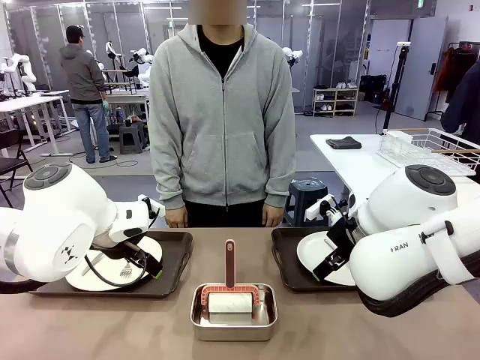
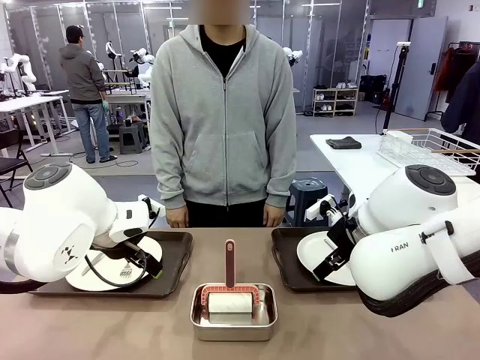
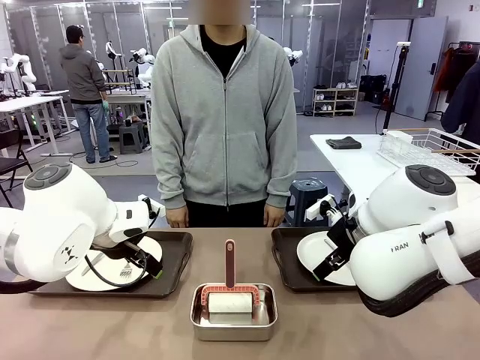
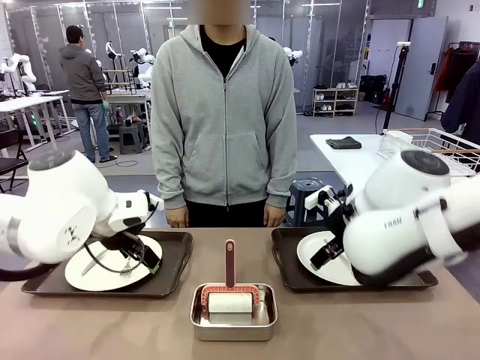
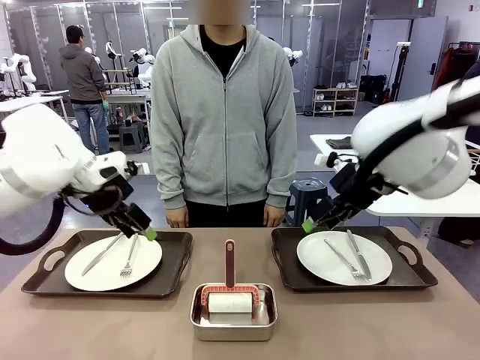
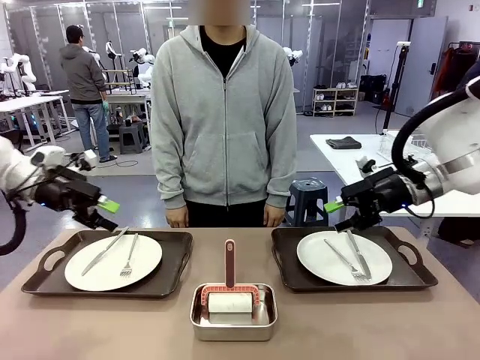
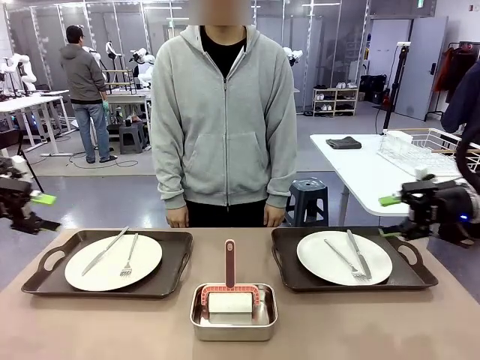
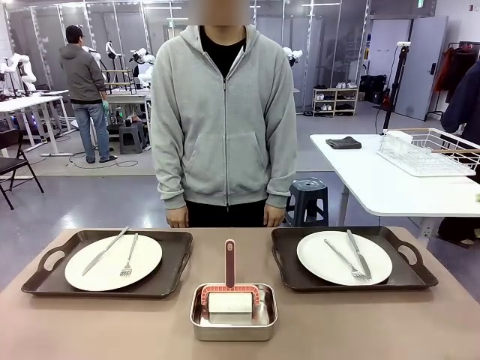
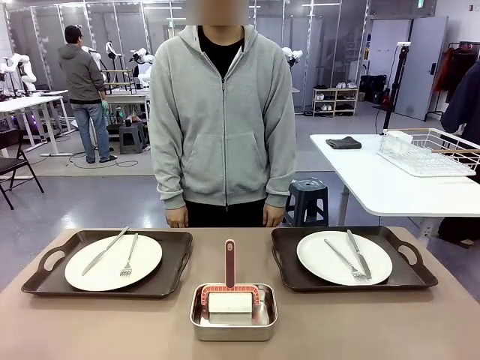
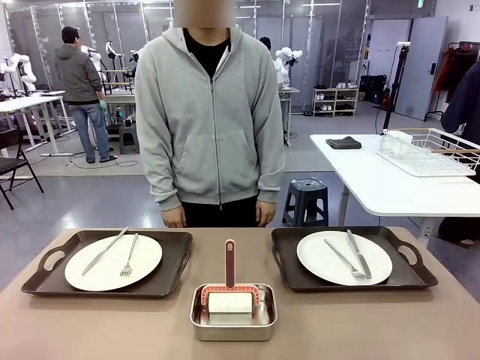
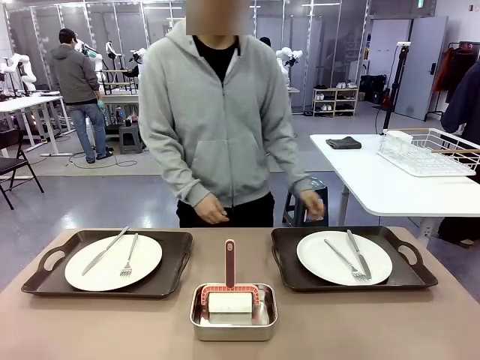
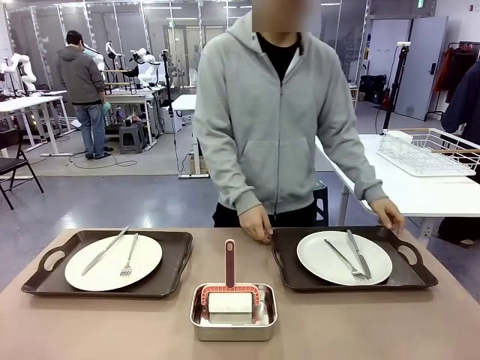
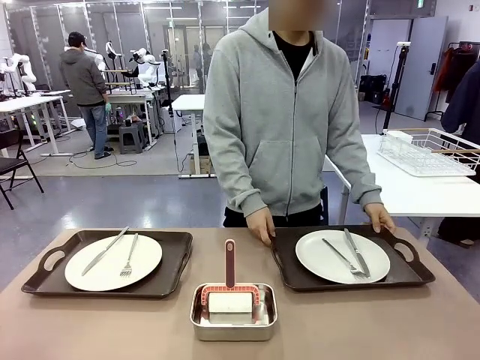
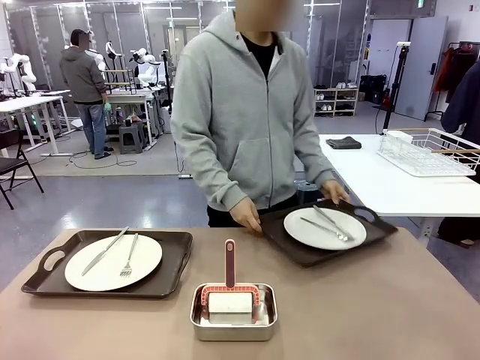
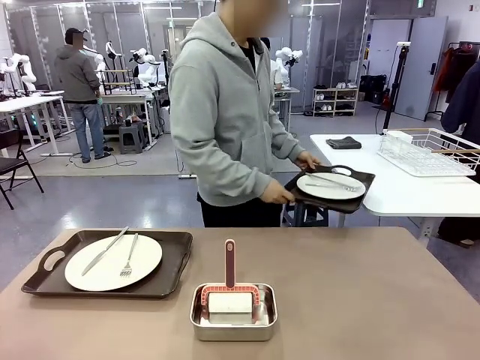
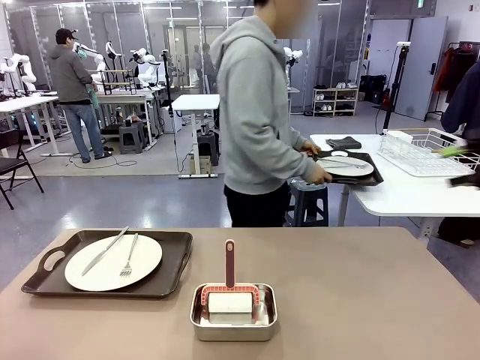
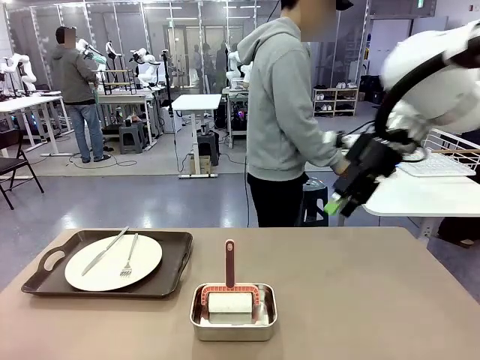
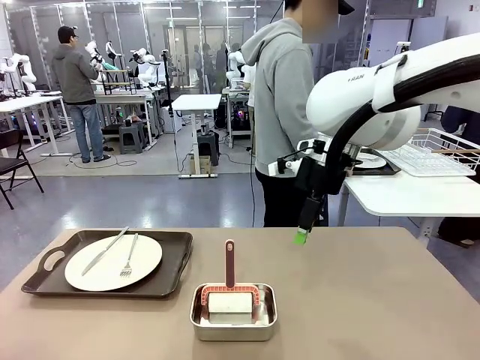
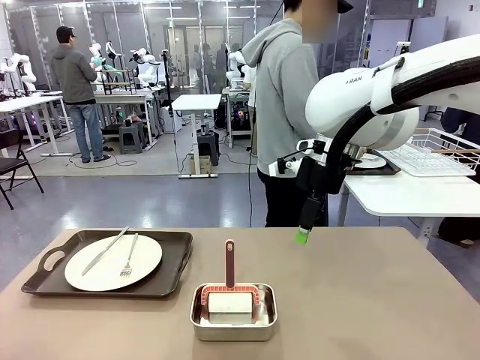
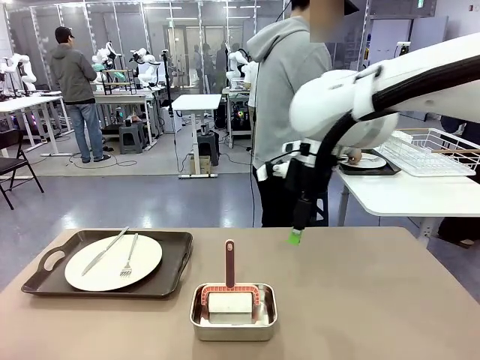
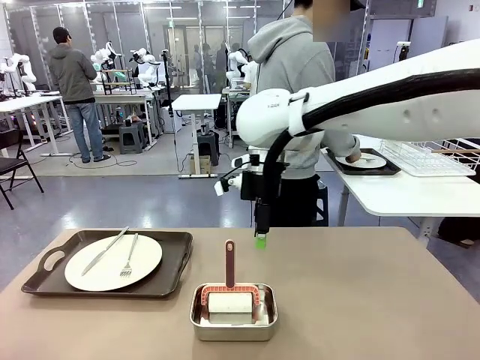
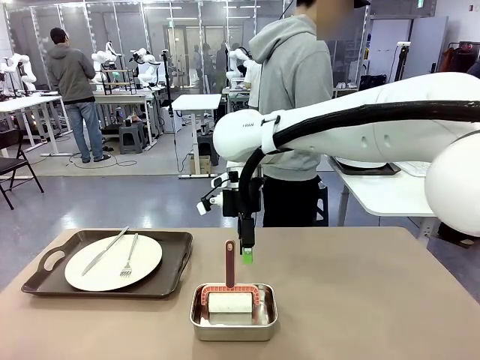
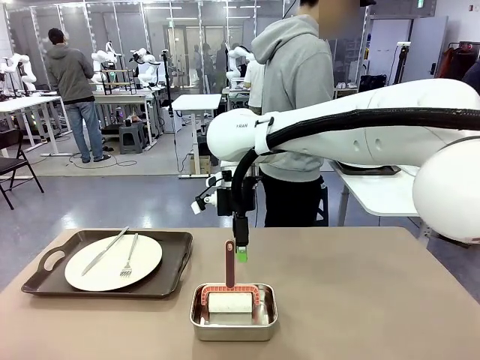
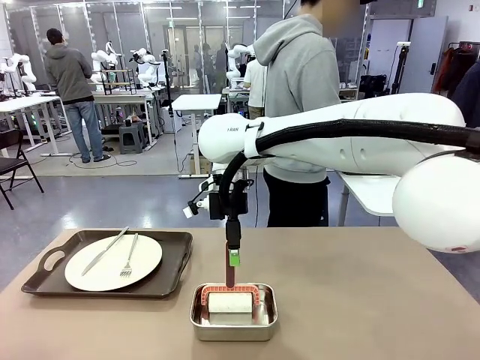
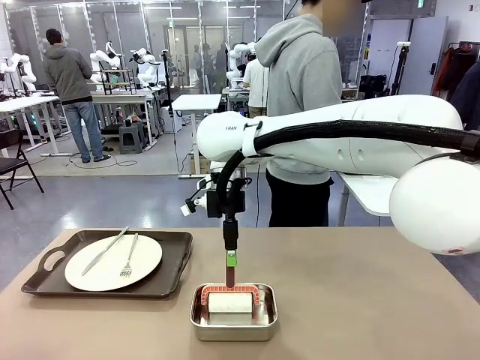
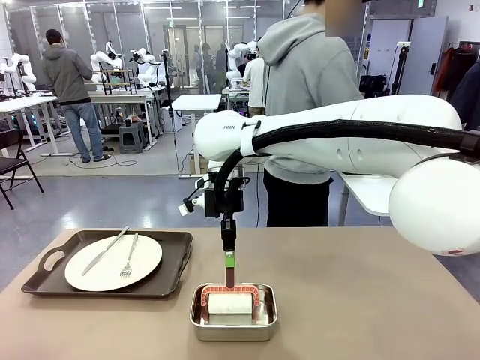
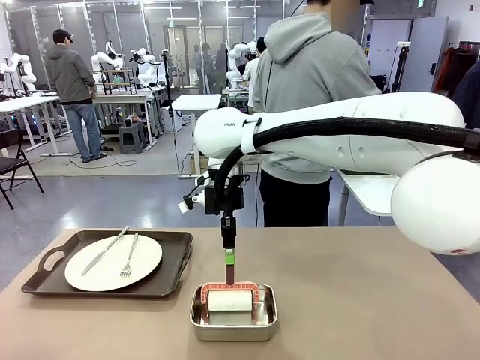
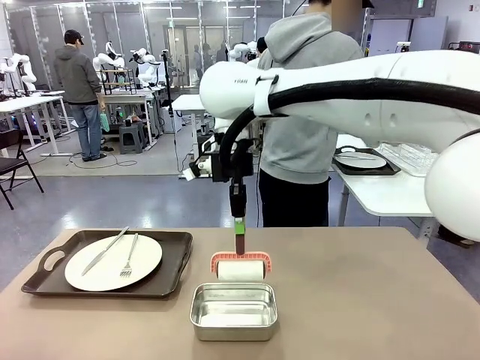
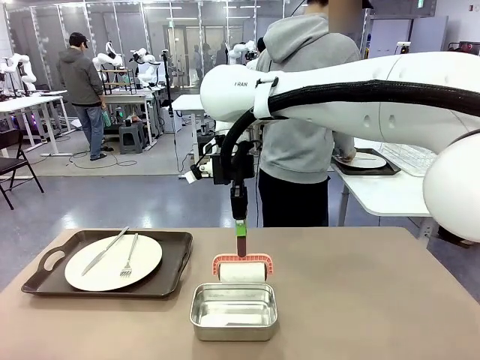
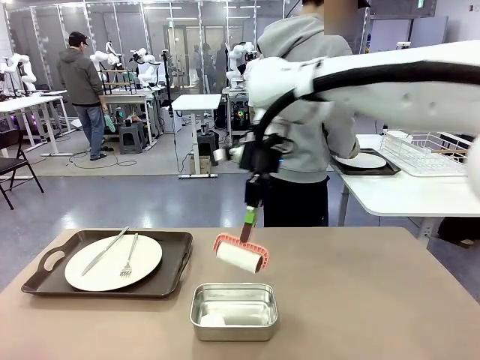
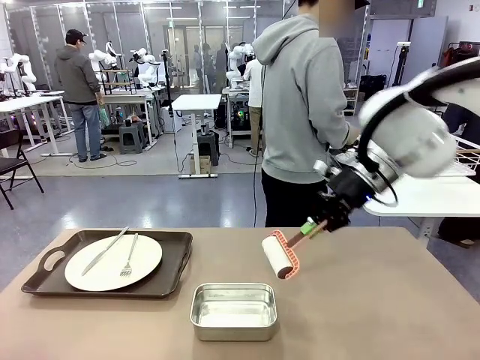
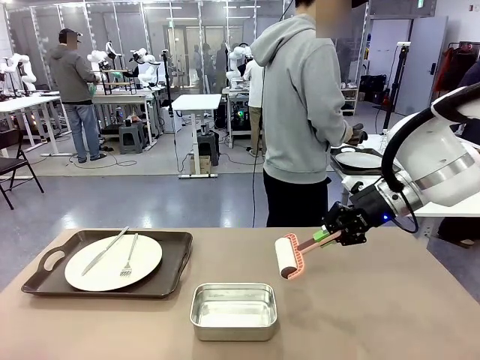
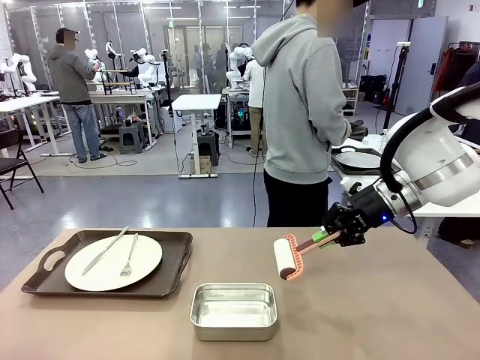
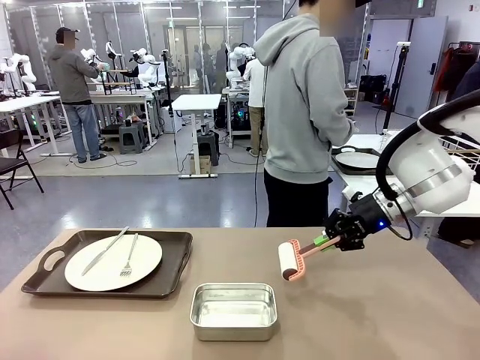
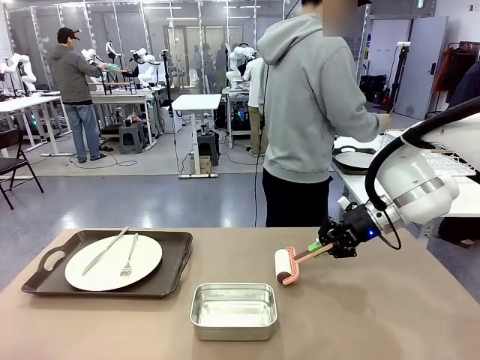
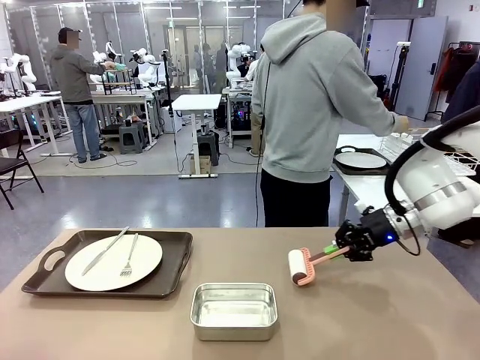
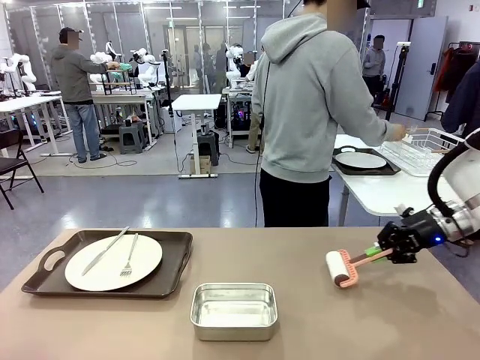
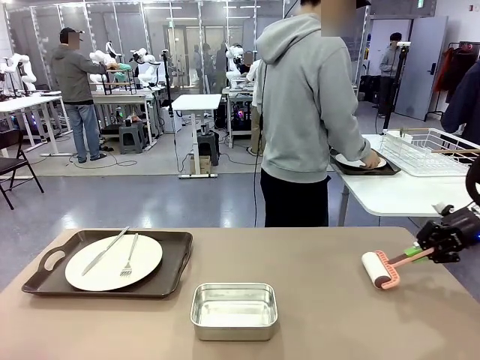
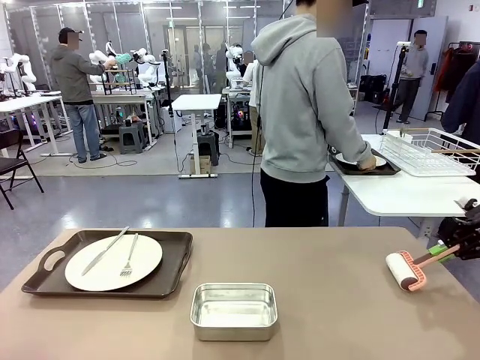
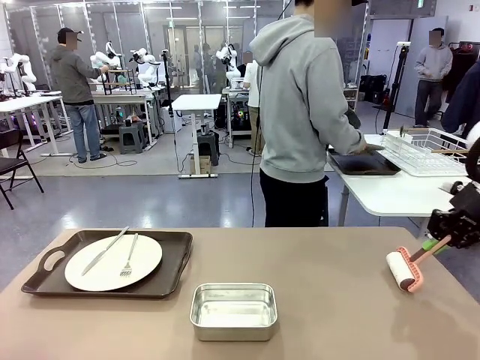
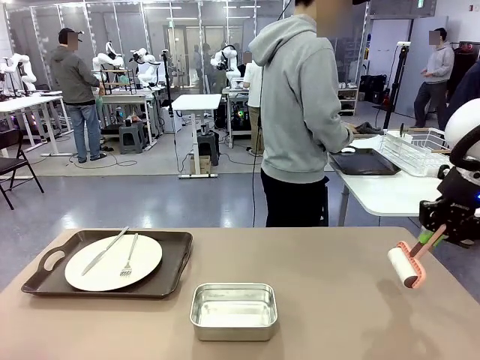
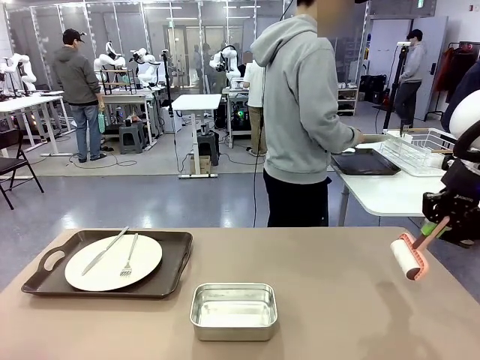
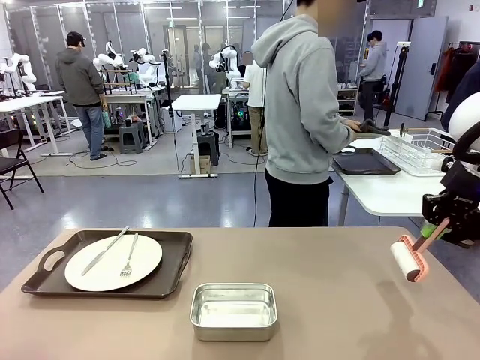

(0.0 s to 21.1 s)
Robot: When the left (or right) Handle tray is removed, use the left hand (or right hand) to clean the left (or right) side of the table with the Lint Roller.
Person: Pick up the left (or right) Handle tray and place it on the middle of the Human's table. Use the Towel with hook to wipe the Plastic Matte Plate , Fork , and Knife and place into the Dish drying rack.

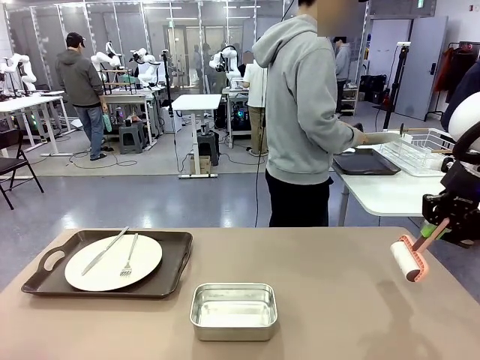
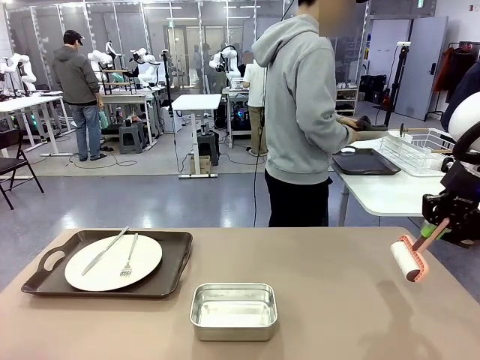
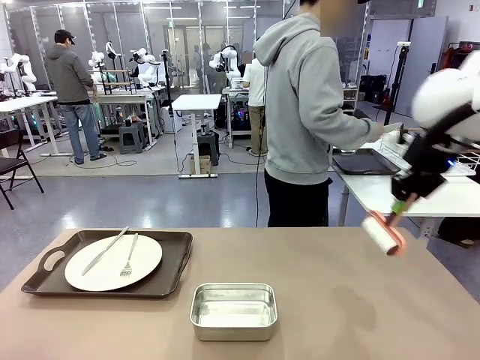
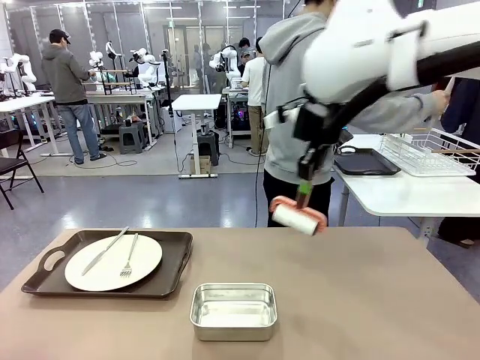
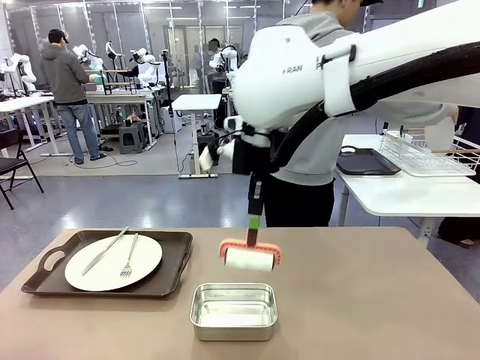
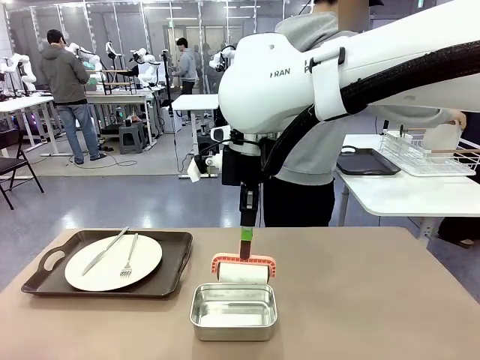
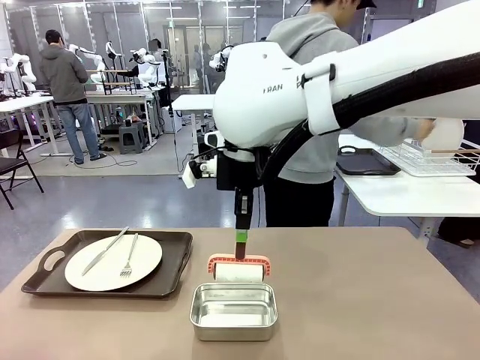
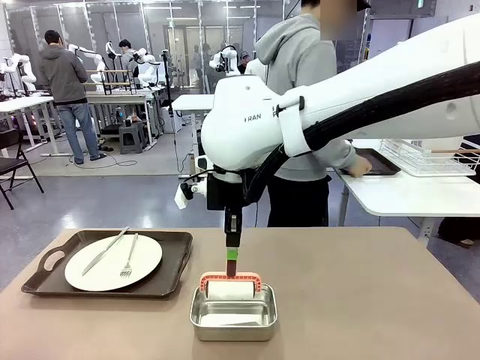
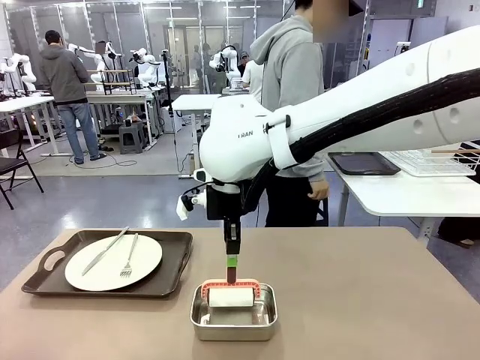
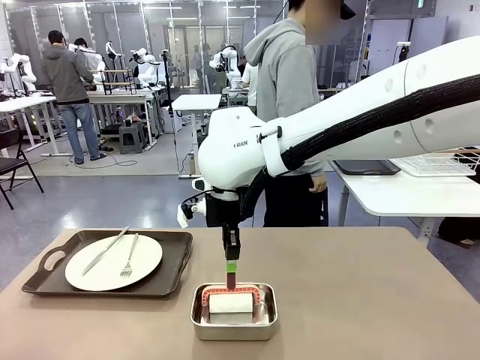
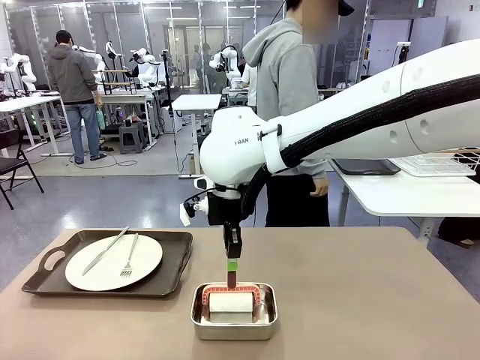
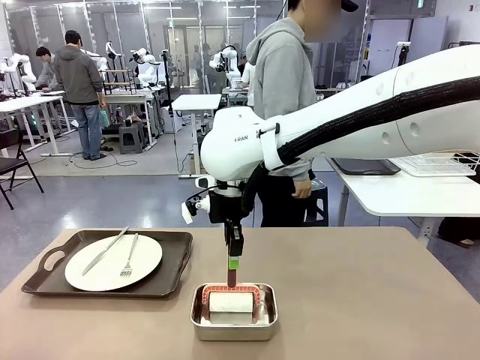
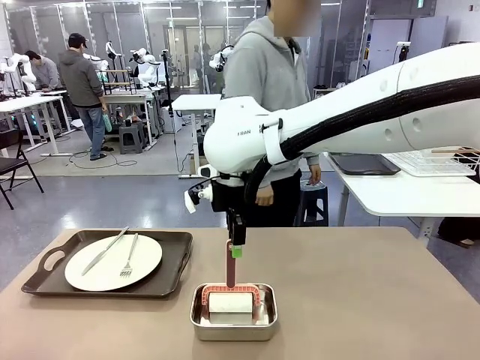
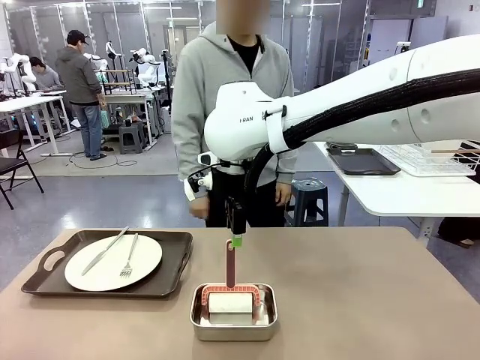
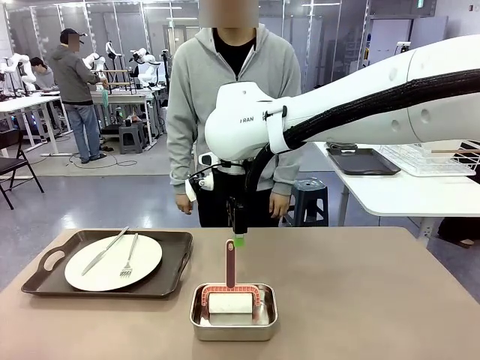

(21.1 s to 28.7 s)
Robot: Place the Lint Roller back on top of the Airtight Container.
